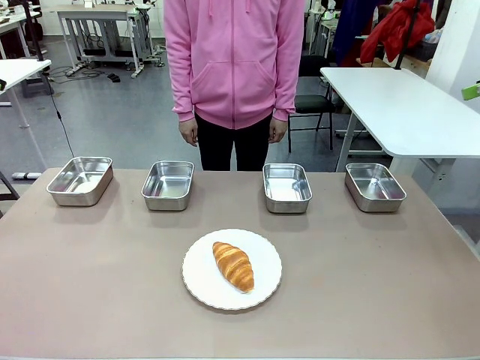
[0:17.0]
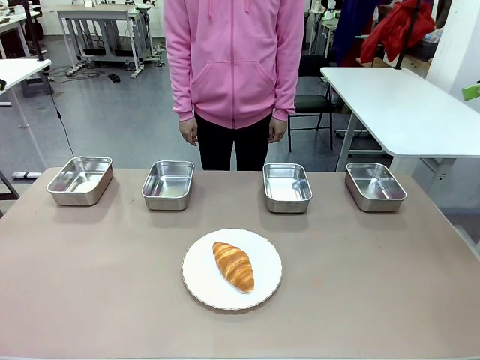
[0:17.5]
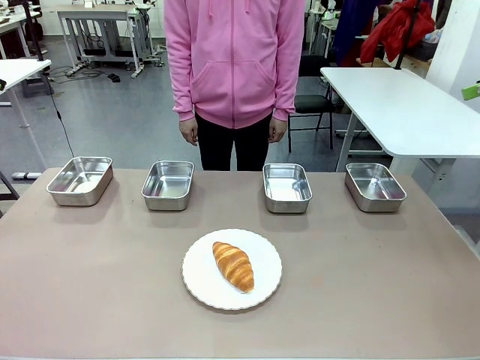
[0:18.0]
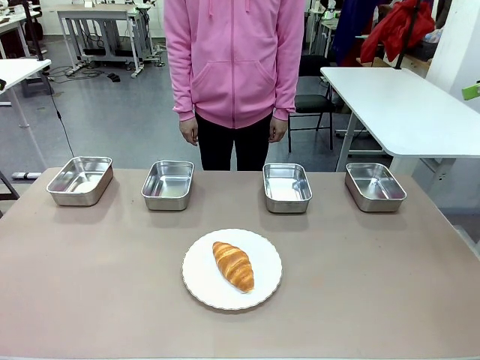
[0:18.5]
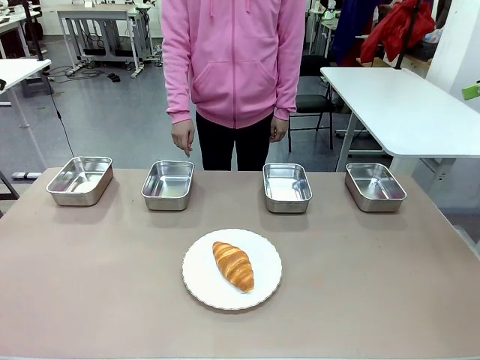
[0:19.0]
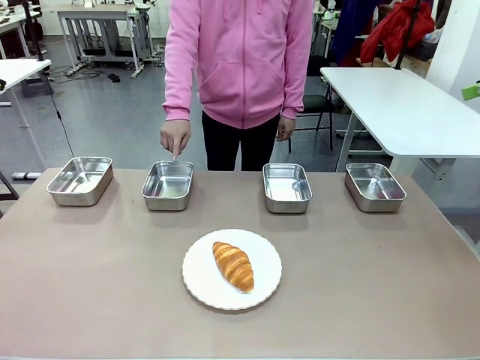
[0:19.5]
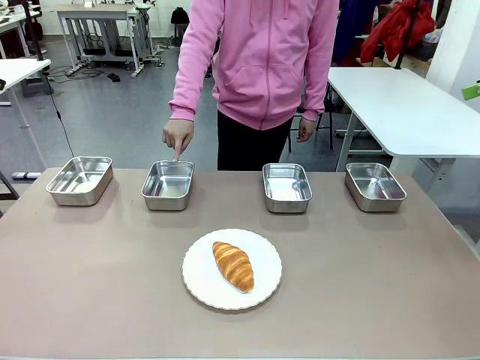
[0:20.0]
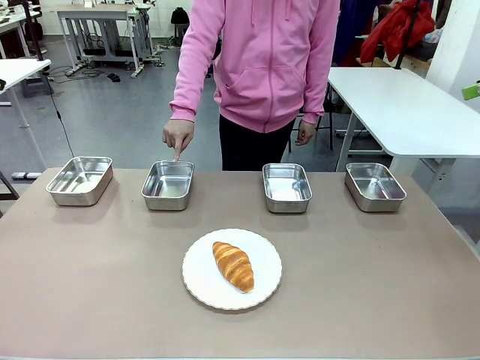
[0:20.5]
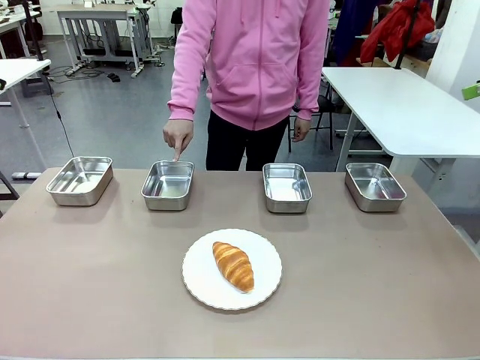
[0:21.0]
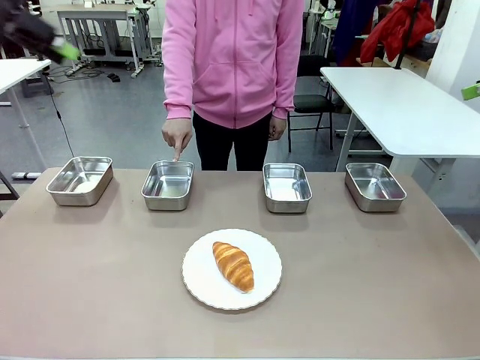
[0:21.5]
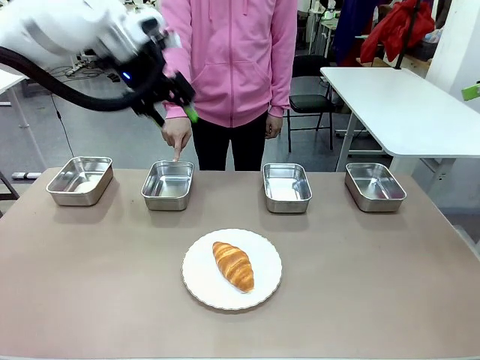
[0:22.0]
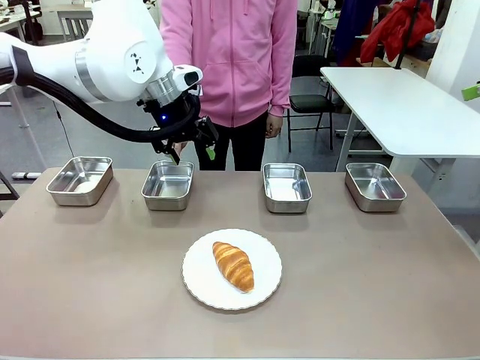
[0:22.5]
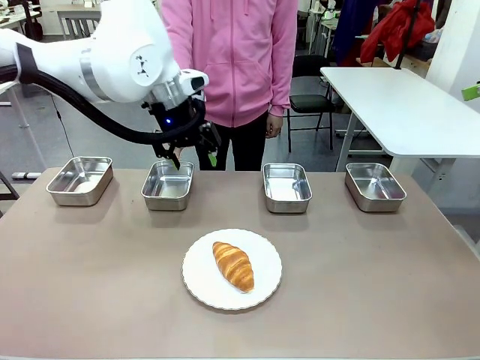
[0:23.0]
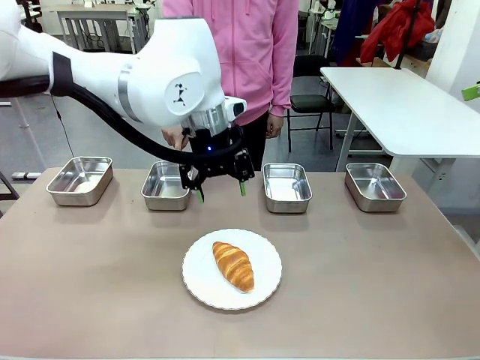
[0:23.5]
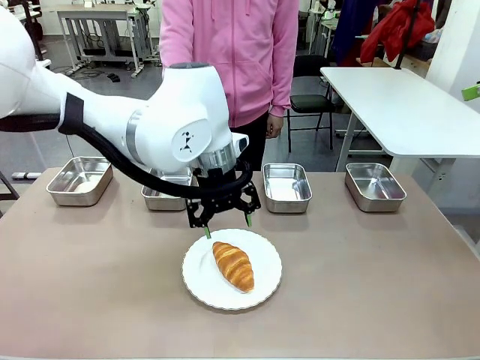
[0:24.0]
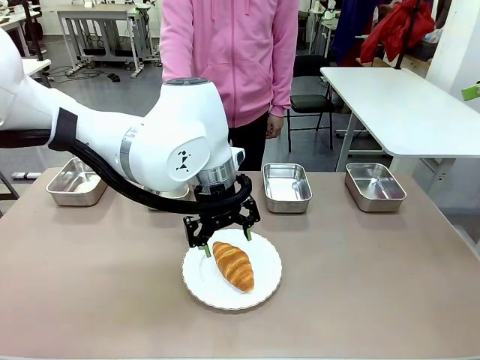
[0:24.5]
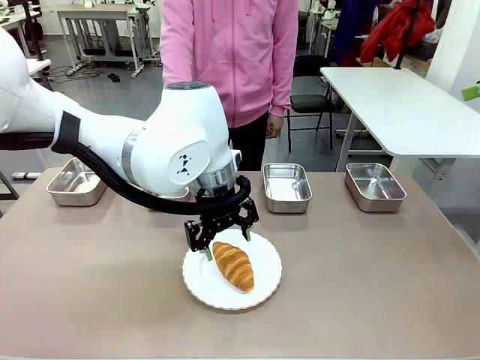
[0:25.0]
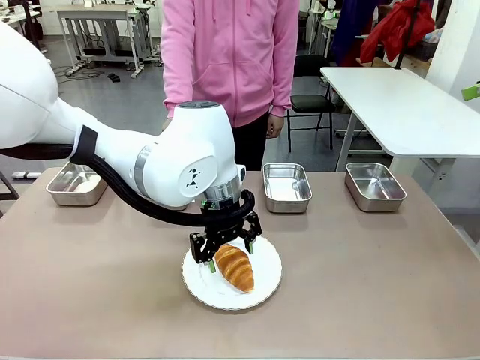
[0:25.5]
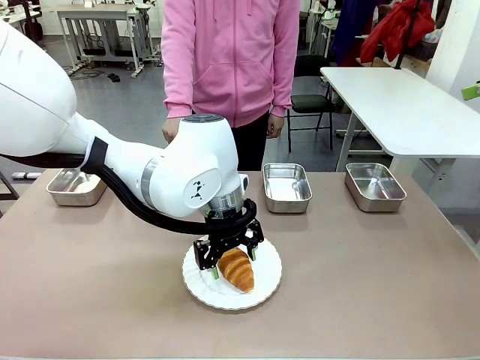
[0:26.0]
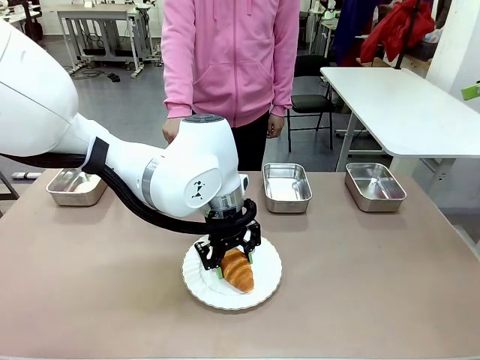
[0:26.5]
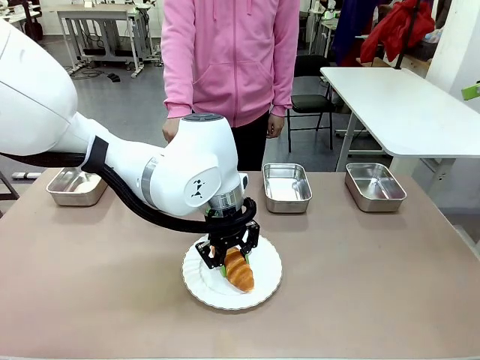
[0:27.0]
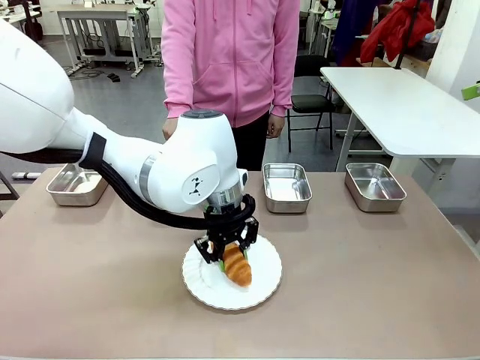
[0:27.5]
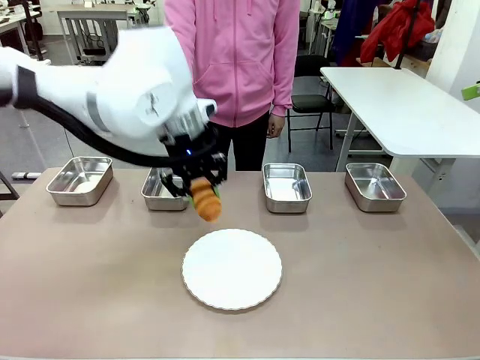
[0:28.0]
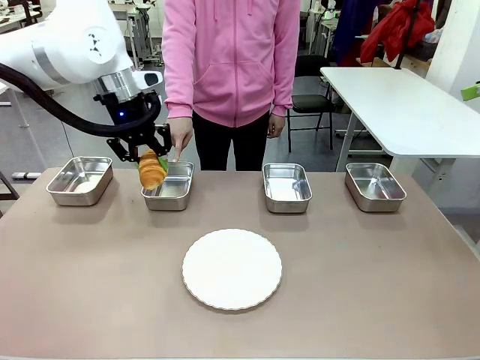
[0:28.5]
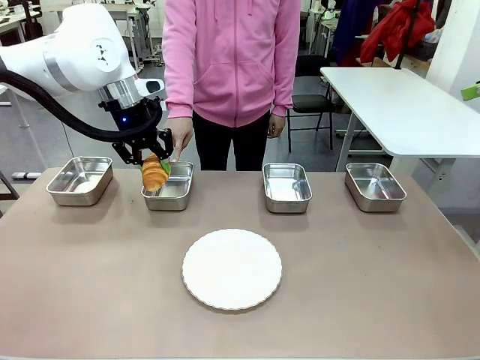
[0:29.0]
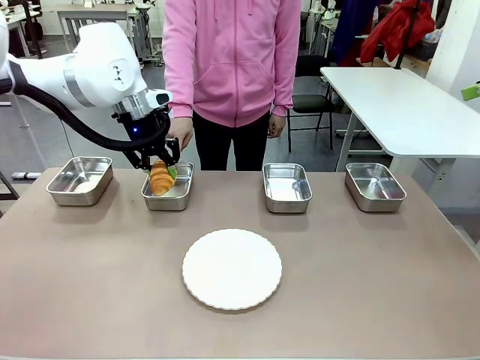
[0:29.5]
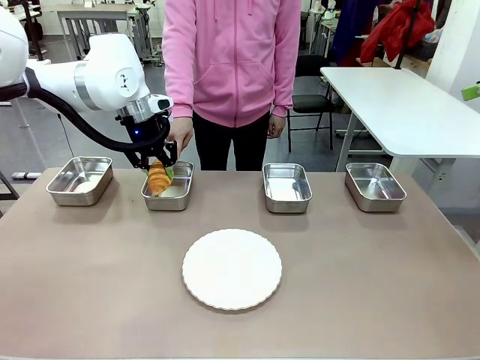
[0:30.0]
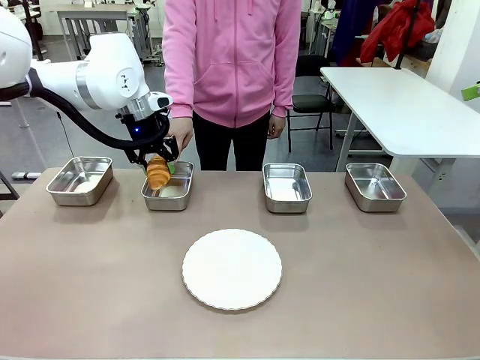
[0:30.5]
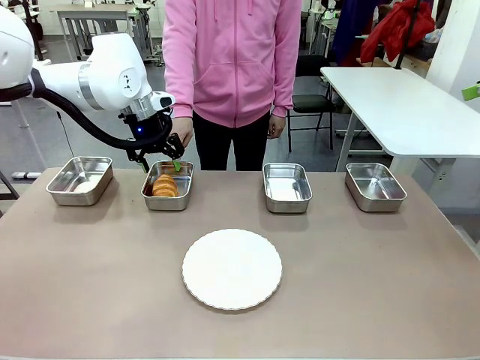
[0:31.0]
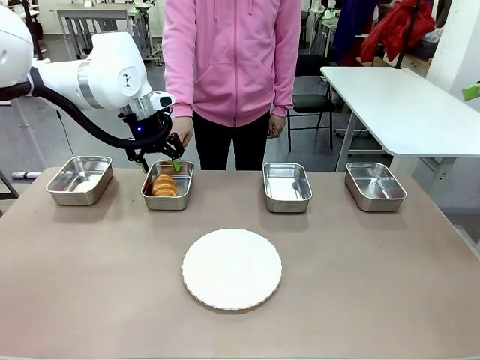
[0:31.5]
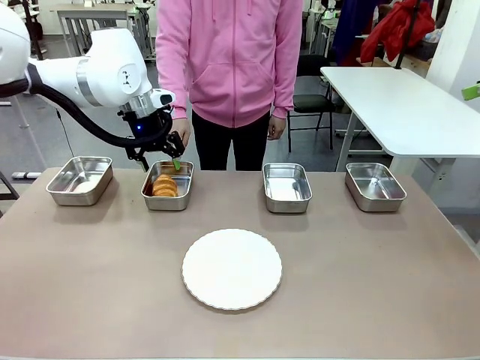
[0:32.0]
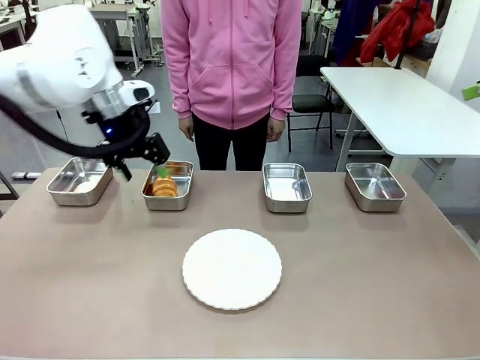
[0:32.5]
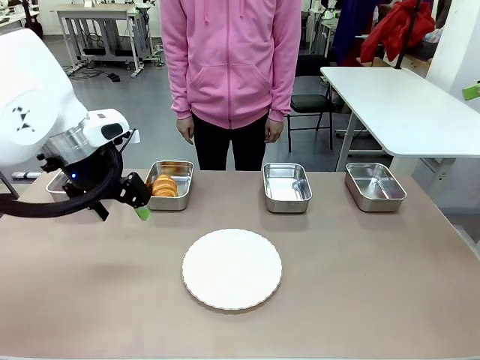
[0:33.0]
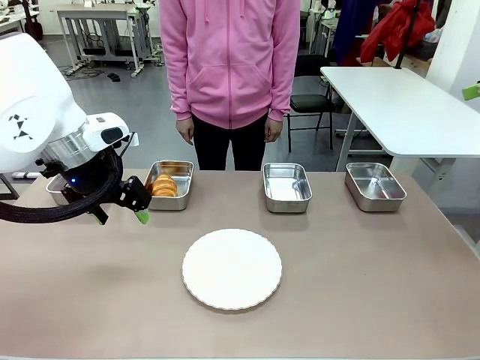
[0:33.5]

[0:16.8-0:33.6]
Task: Place the bread in the container.
Robot: Place the Butter Roll into the Airtight Container indicated by the human.
